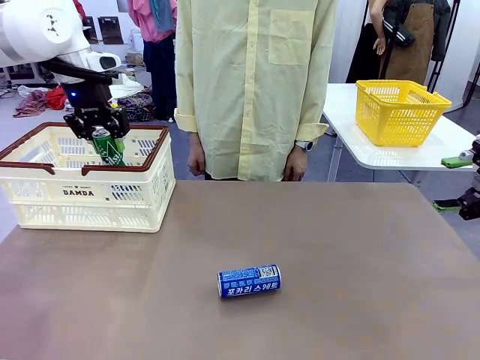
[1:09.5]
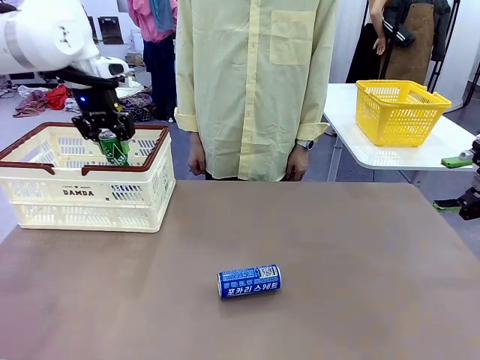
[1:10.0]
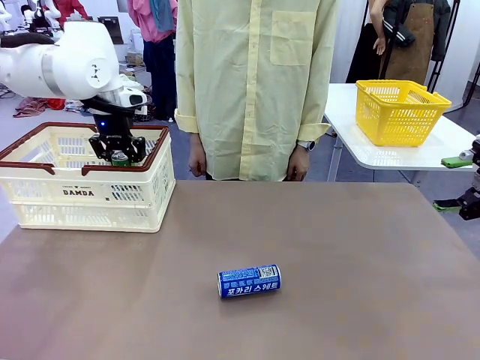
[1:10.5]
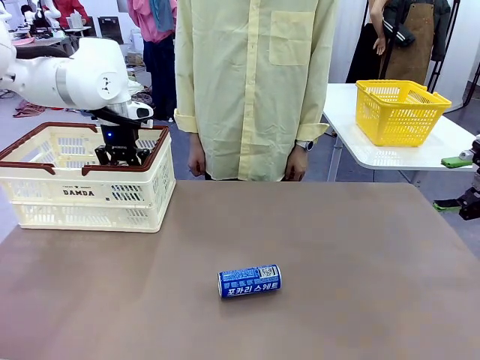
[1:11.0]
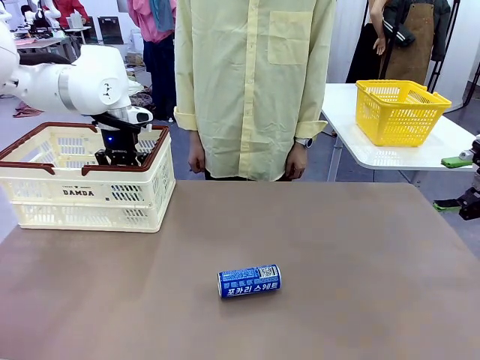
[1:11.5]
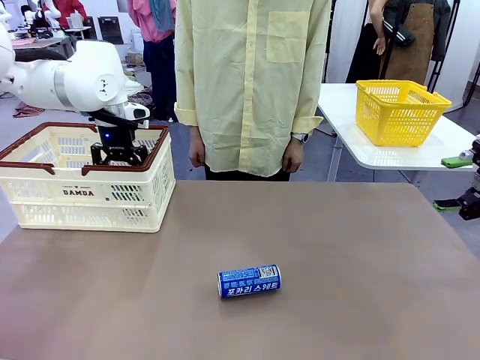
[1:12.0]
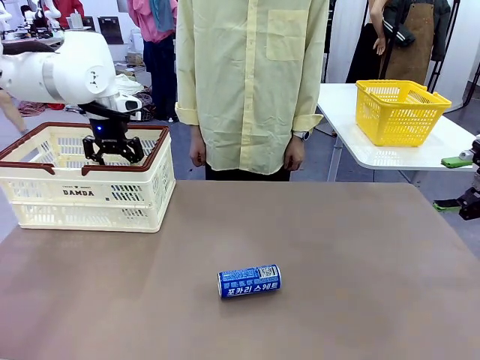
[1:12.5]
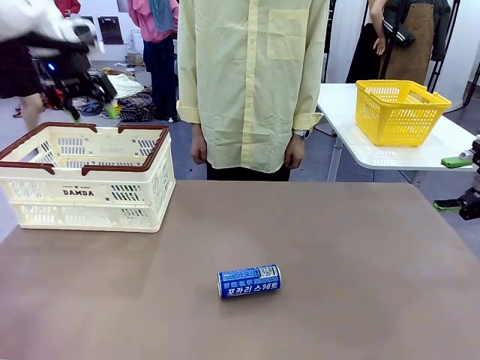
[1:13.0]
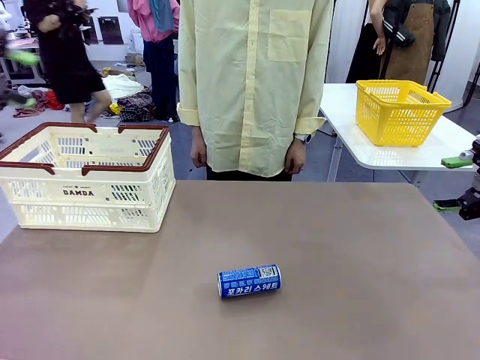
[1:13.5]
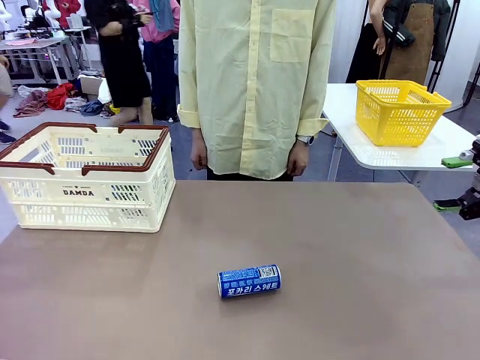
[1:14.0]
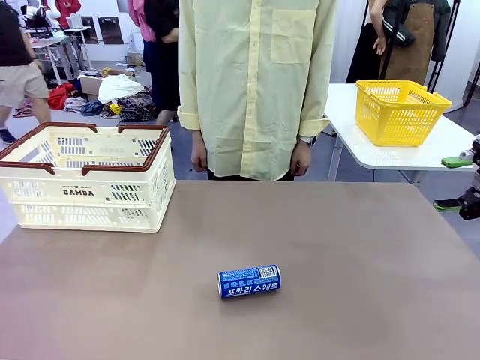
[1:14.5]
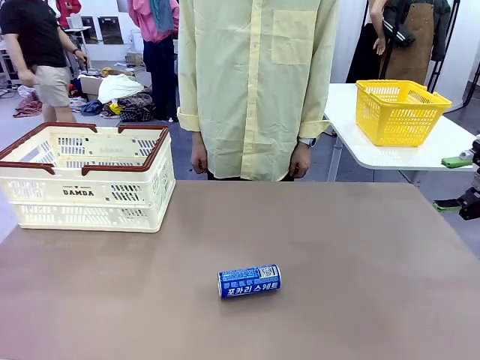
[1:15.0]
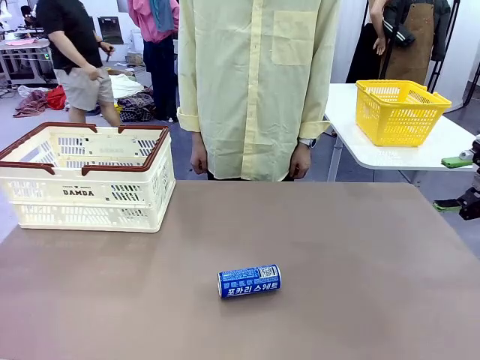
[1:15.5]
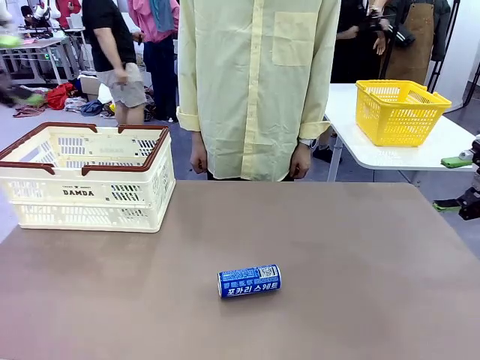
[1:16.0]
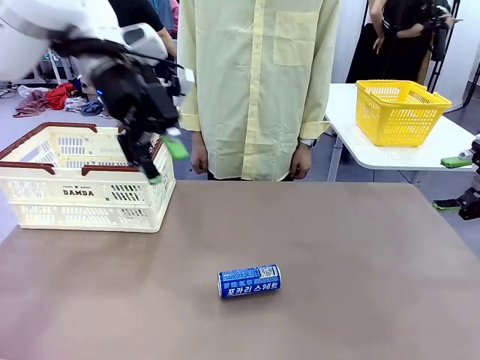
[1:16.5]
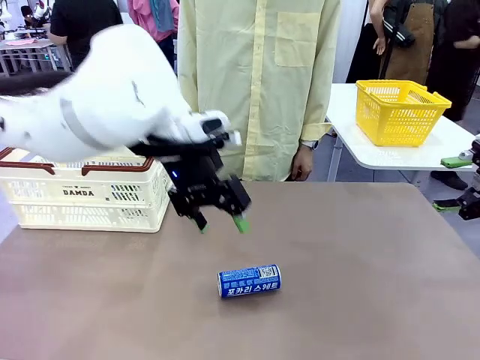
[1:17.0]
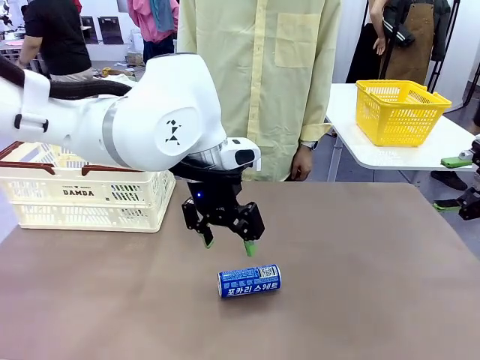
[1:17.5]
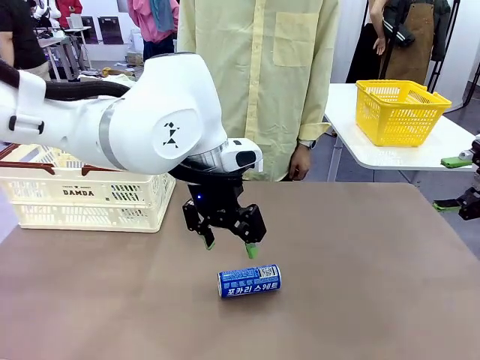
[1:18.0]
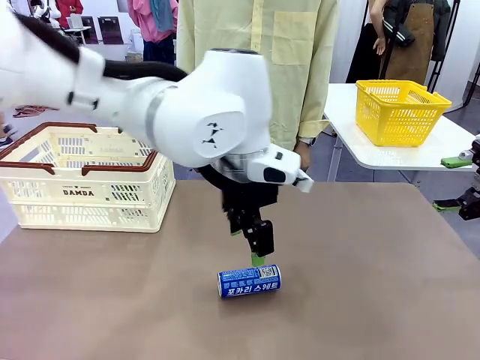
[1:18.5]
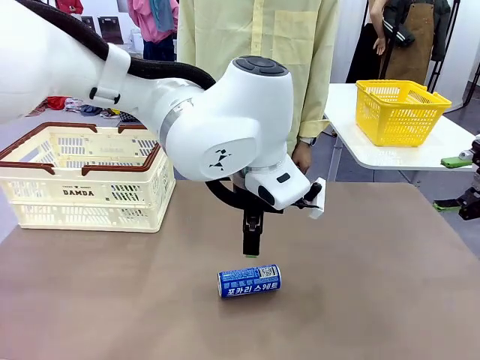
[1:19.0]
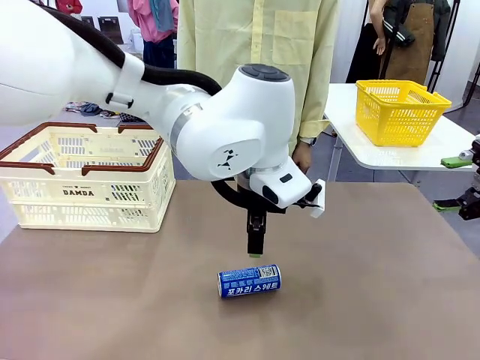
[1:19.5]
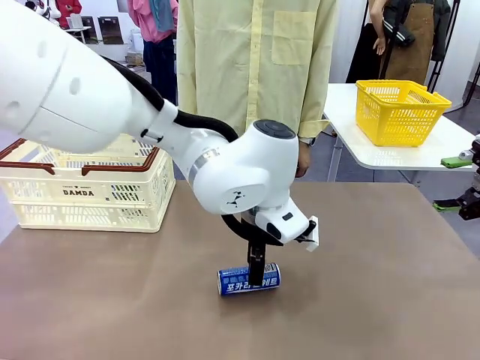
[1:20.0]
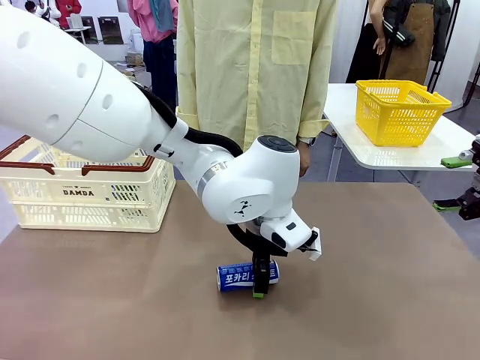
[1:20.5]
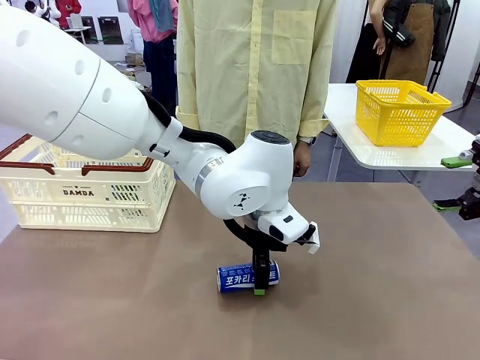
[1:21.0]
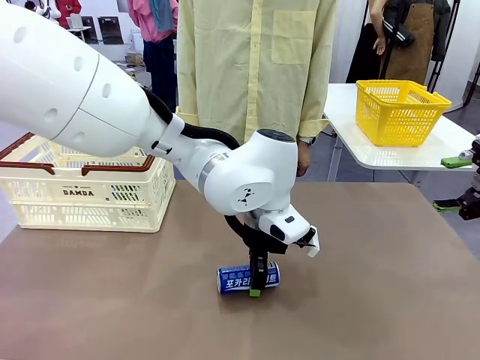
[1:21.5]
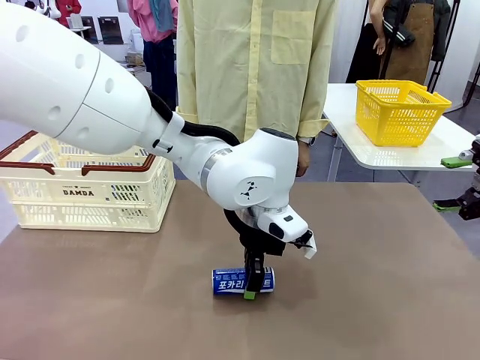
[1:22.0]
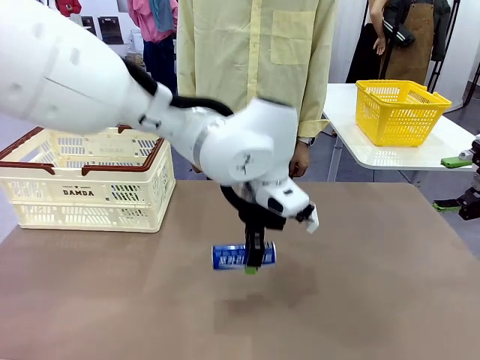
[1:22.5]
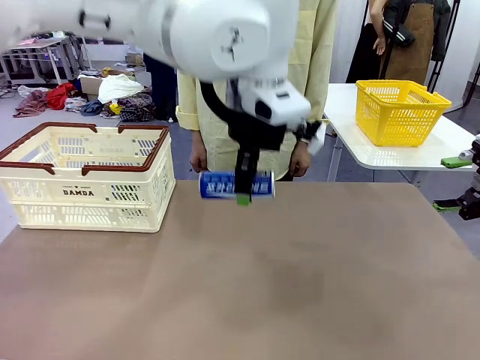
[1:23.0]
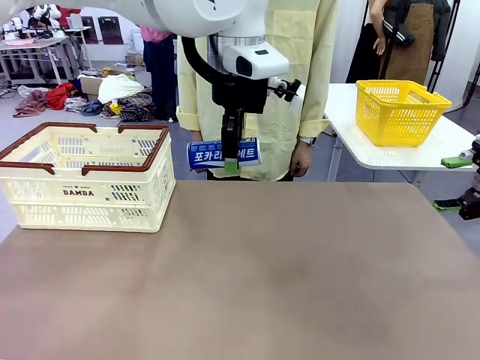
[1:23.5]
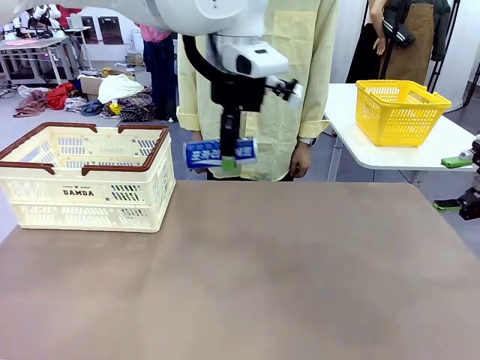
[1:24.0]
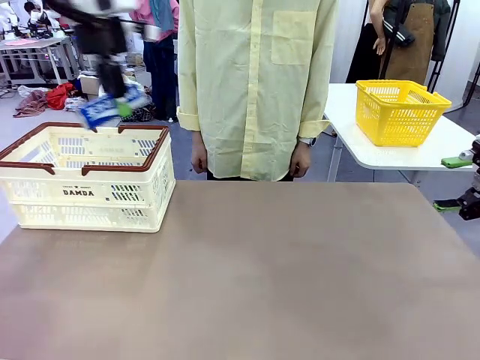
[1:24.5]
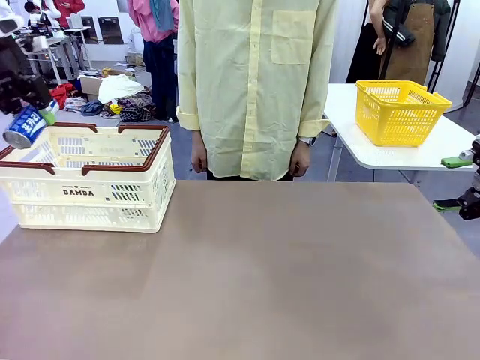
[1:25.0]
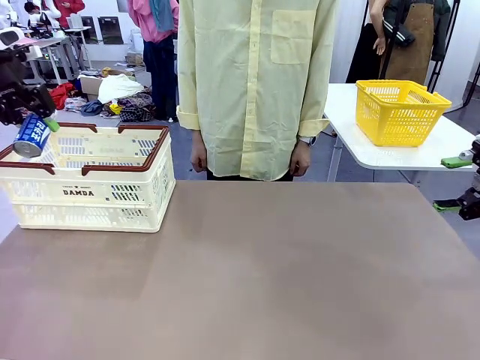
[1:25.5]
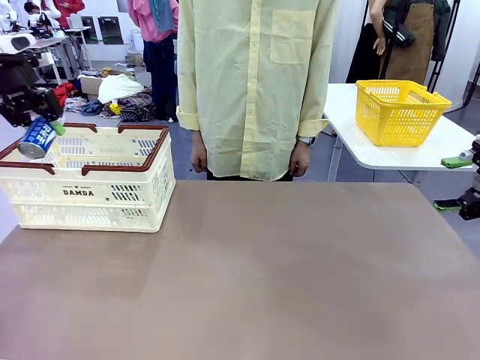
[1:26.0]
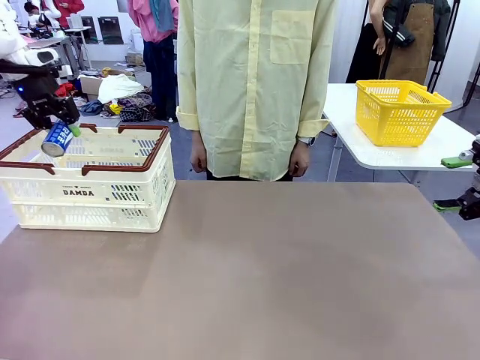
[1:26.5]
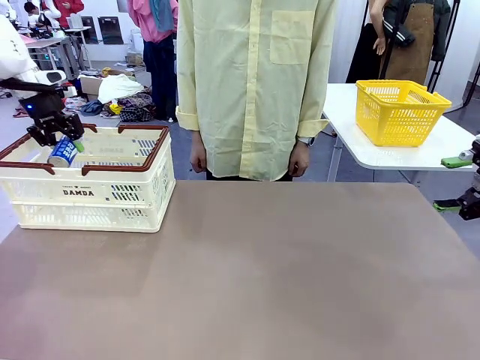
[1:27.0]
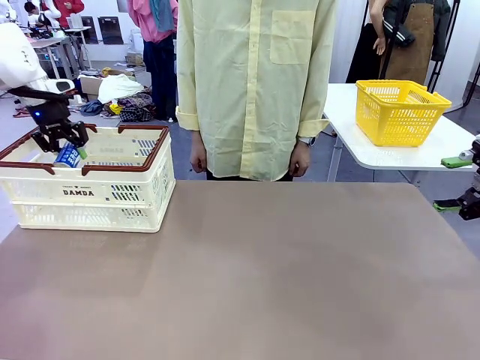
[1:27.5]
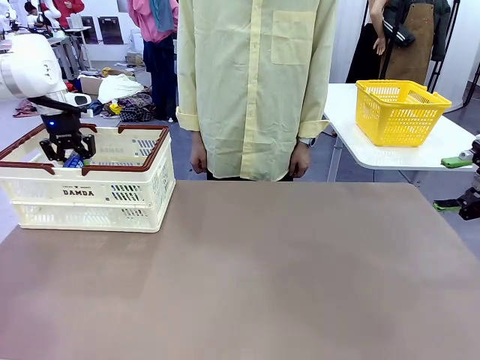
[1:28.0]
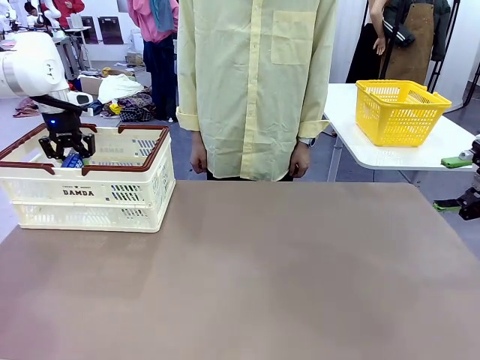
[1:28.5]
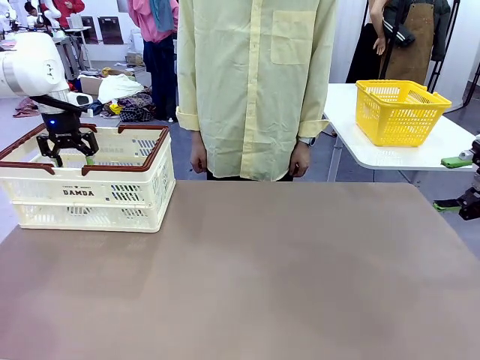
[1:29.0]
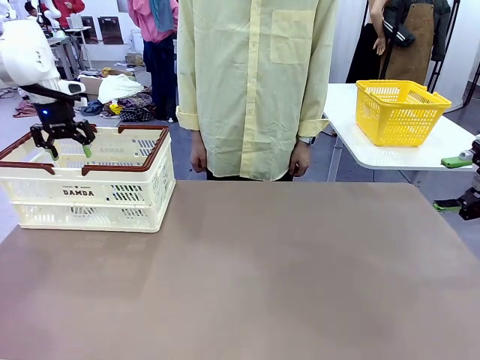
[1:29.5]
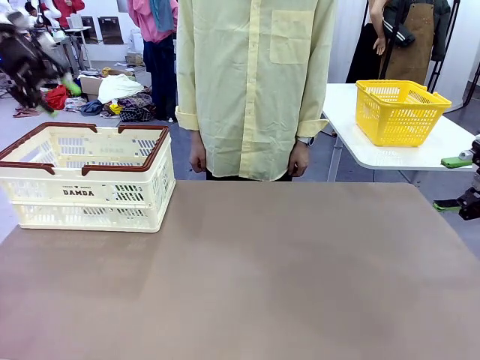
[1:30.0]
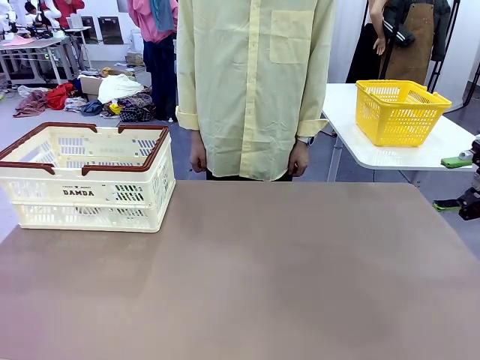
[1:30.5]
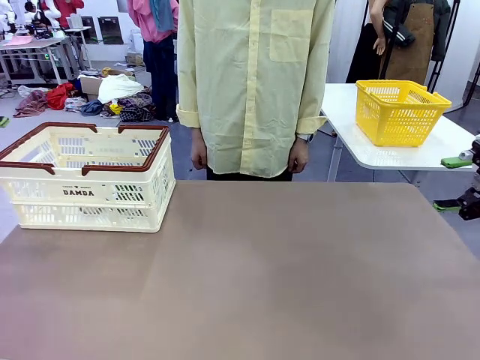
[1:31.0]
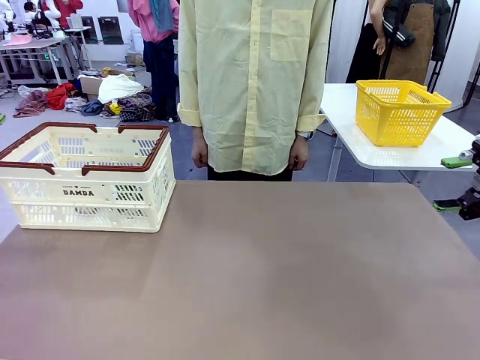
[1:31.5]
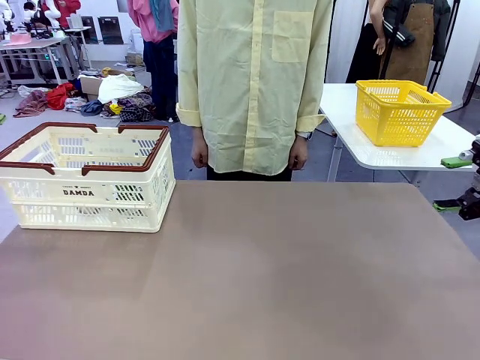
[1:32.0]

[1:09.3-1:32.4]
Task: Place the drinks into the Shopping basket.
Robot: Pick up one drink and place it into the Shopping basket.
